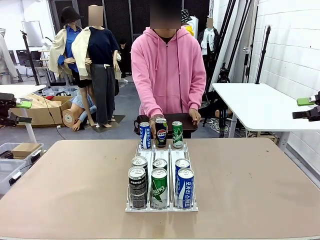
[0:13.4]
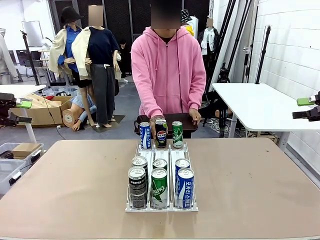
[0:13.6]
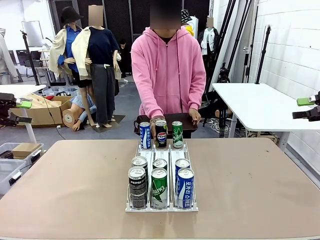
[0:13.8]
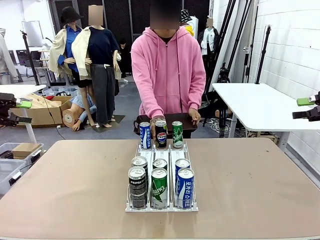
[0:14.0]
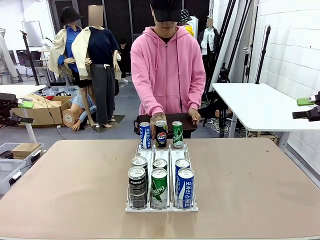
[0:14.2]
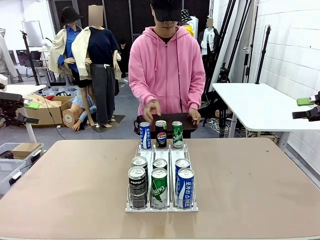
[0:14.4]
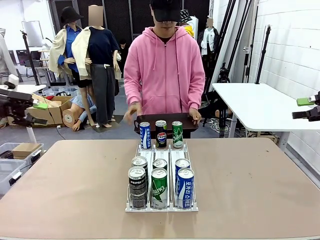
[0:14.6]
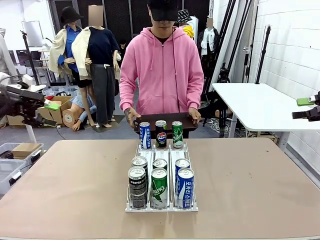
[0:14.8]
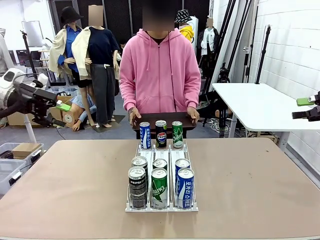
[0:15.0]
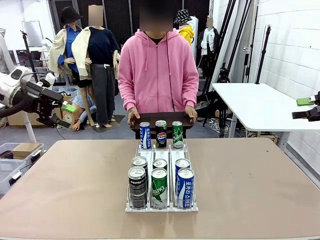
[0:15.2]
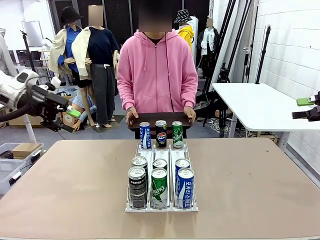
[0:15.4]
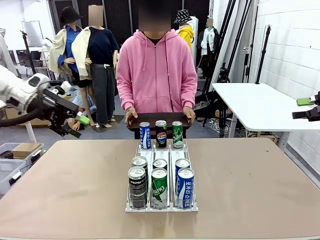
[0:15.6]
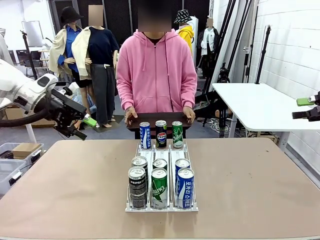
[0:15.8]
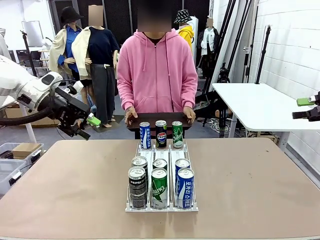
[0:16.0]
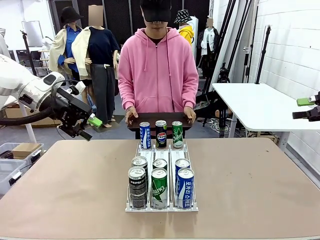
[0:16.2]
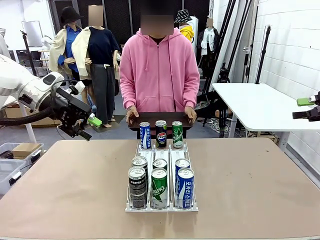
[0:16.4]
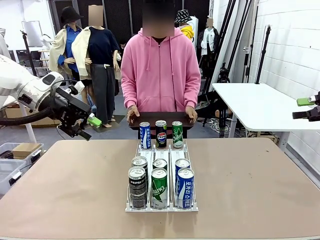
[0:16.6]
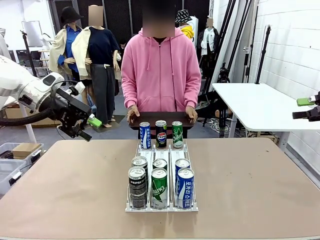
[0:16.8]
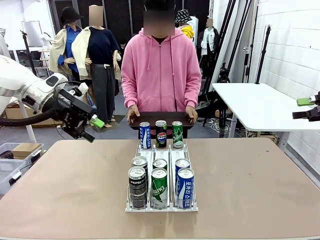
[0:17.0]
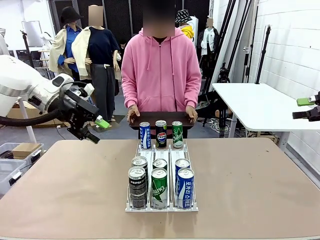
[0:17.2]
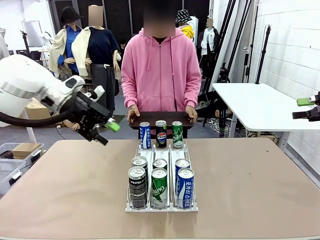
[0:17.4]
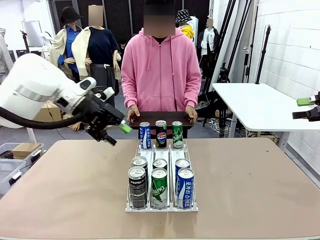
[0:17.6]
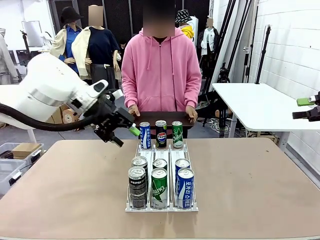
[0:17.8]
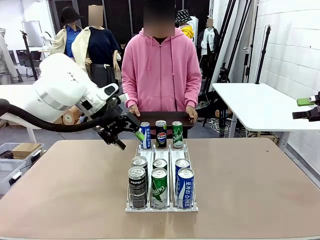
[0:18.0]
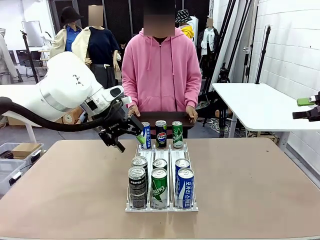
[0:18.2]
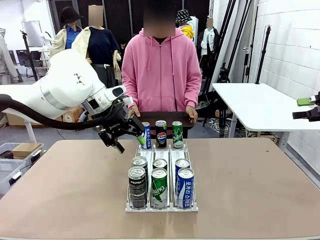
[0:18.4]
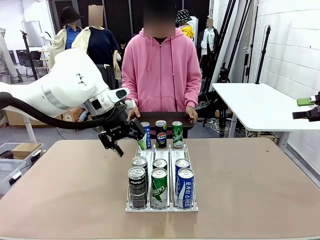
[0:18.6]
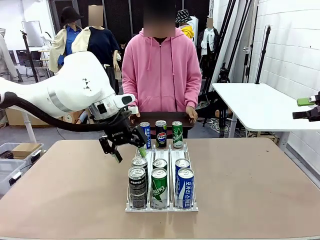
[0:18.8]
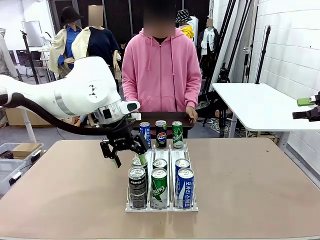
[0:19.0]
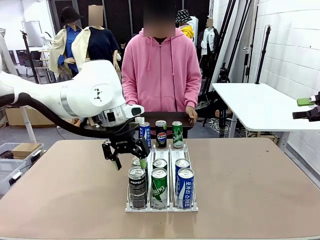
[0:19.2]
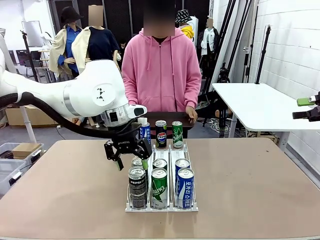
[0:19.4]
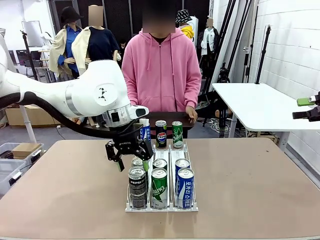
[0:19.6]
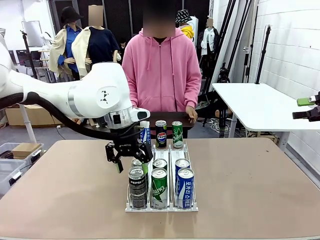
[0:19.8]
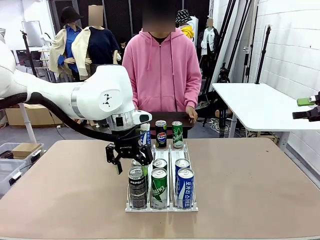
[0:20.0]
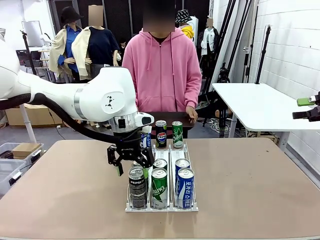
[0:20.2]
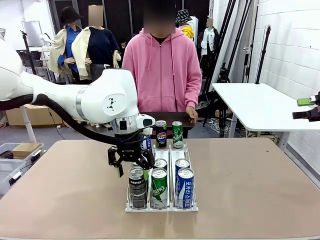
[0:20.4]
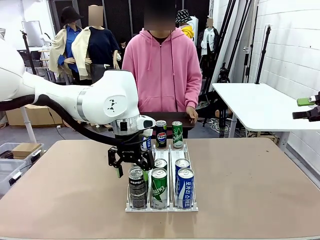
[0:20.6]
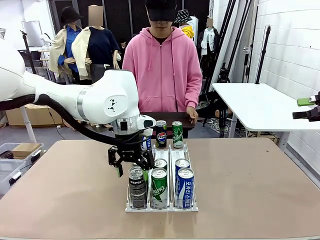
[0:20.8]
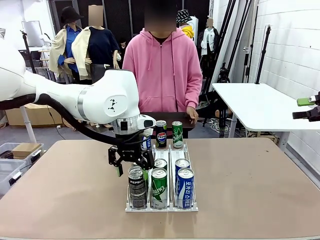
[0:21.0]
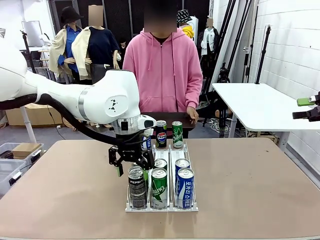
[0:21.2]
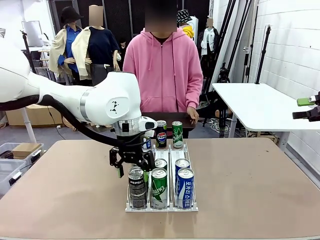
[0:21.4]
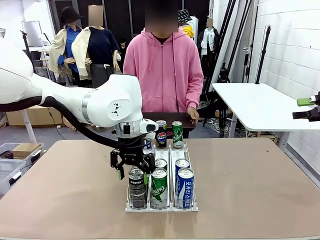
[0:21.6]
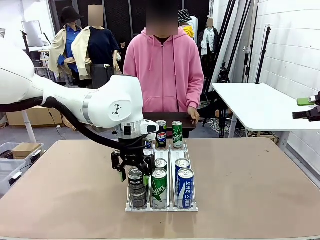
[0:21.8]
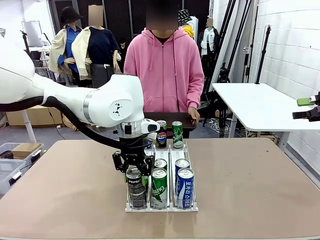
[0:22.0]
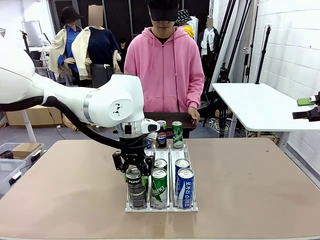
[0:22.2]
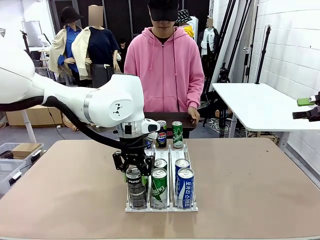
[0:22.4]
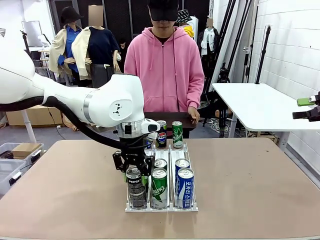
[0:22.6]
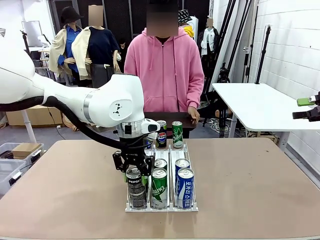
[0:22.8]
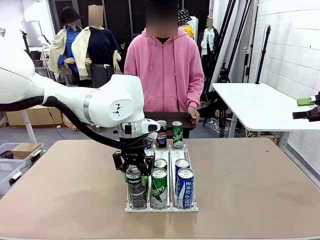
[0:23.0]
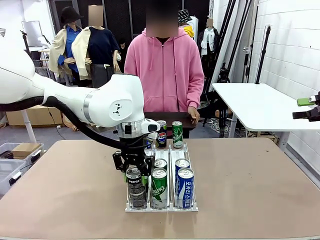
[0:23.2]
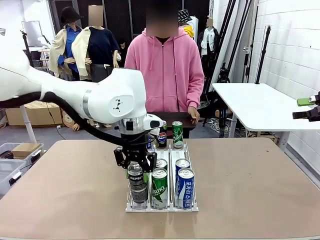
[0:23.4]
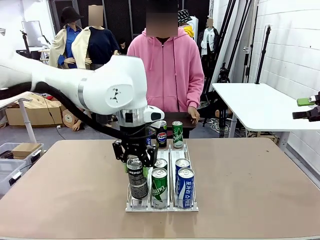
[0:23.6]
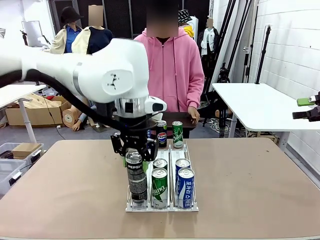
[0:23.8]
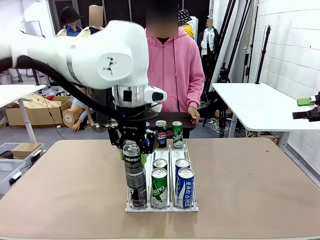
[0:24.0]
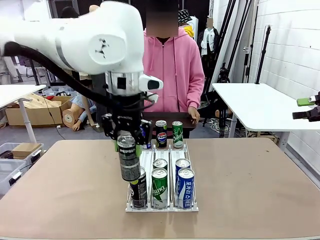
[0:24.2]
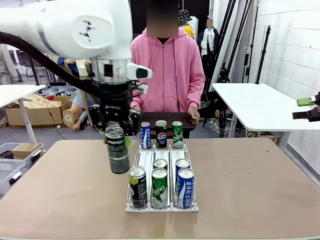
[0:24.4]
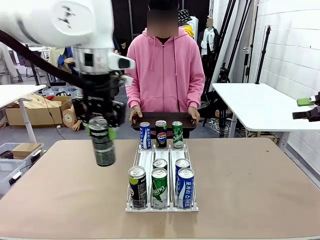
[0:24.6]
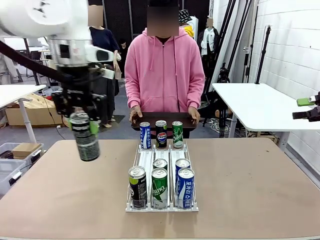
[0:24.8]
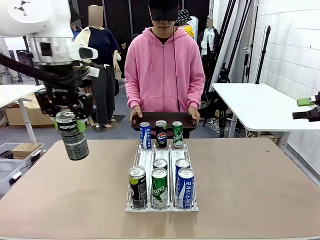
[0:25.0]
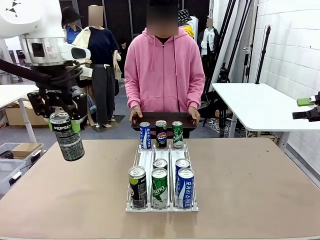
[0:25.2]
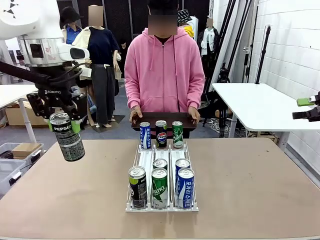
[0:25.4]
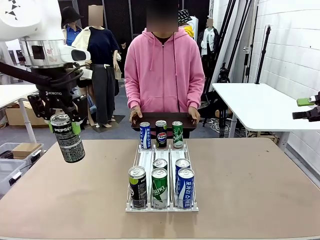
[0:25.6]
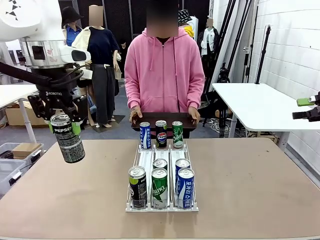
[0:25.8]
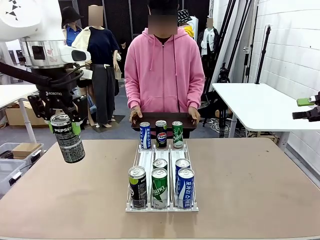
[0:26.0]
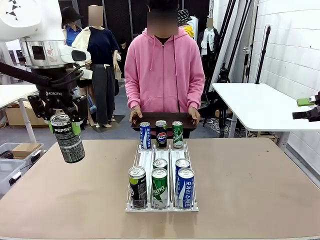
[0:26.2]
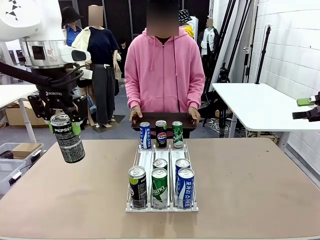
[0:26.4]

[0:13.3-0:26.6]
Task: Retrieve and hand over the desired beverage to the person.
Robot: Pick up a can of the same type that the person held from the Automatic Can Dispenser.
Person: Push the tray toward the robot.

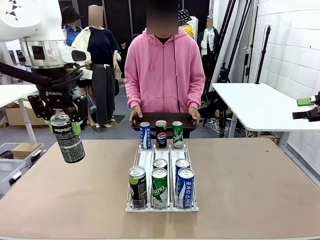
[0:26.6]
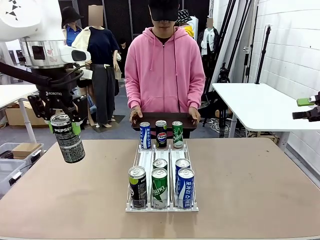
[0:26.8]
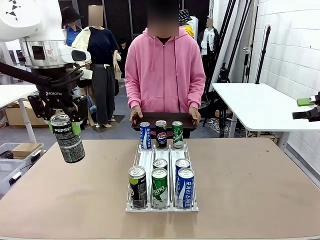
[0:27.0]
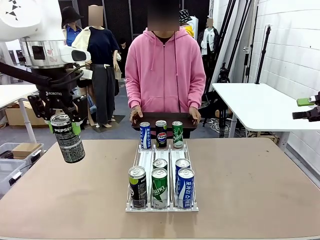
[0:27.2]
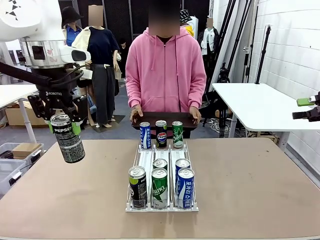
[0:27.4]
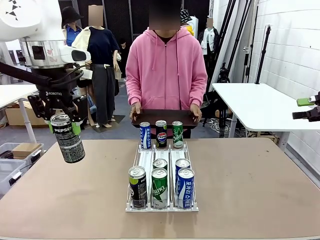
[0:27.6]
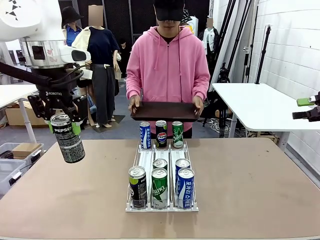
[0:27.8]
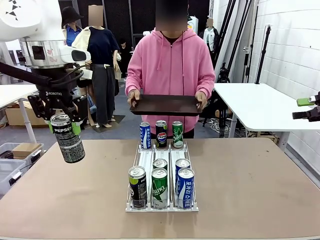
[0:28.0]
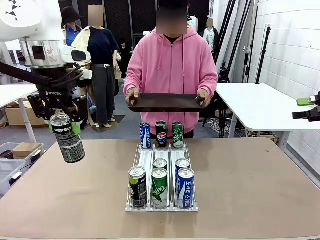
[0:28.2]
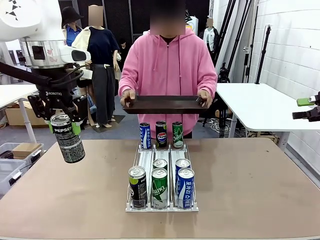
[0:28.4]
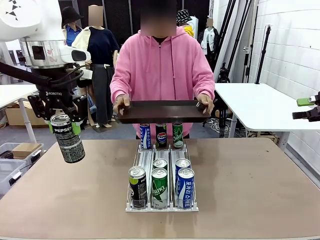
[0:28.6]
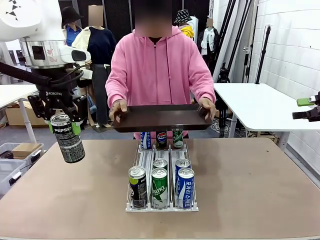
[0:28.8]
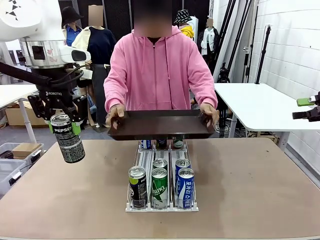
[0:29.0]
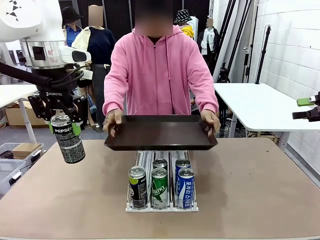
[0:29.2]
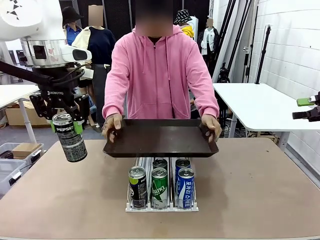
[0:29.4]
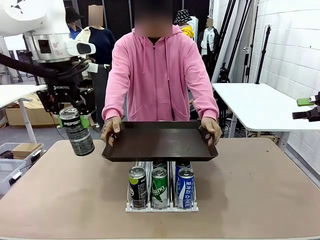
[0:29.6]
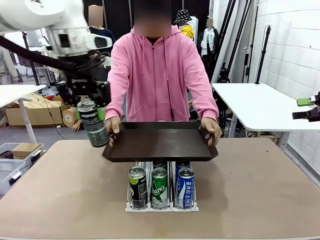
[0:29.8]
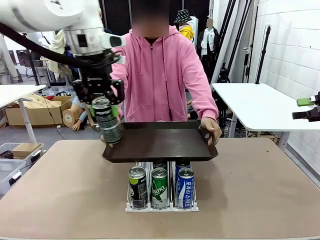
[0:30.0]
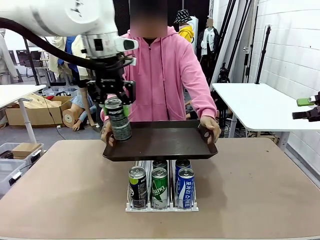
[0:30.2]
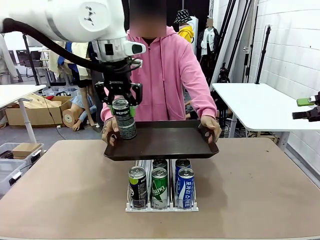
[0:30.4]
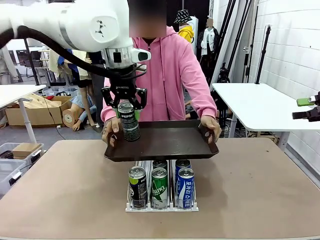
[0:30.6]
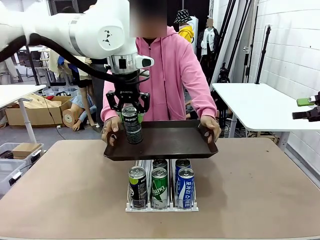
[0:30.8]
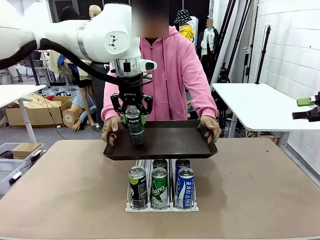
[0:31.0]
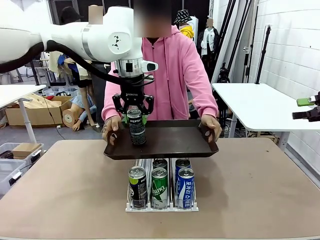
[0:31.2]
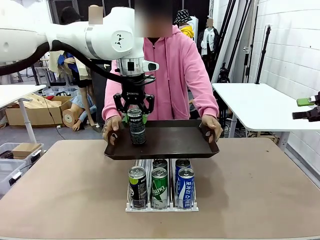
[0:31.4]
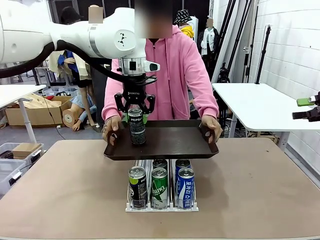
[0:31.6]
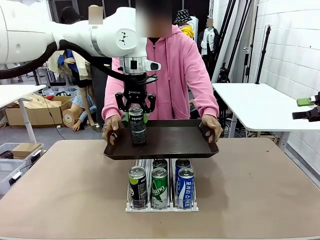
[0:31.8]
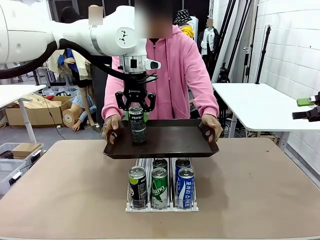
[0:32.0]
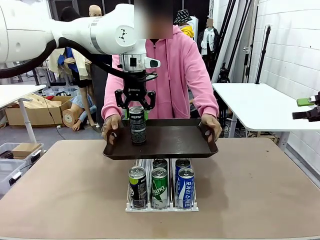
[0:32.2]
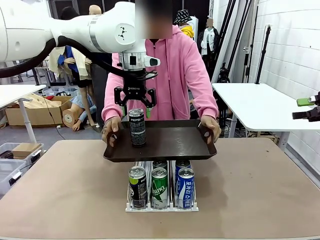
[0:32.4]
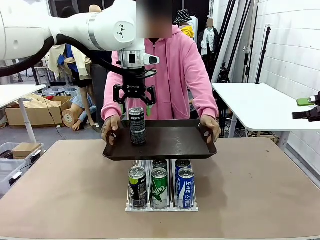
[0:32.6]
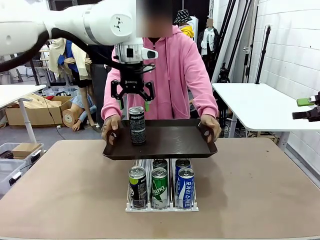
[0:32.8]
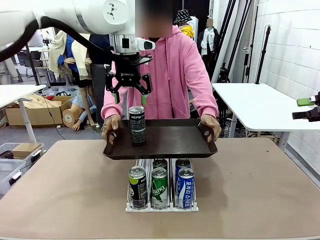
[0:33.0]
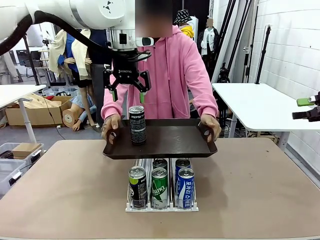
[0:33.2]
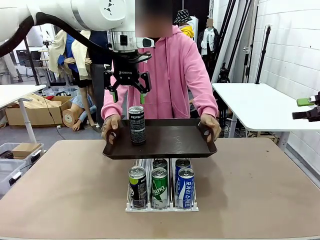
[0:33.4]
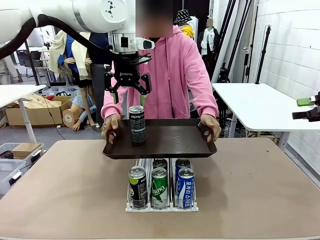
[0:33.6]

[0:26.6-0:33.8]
Robot: Place the picked can on the Handle tray extended by the person.
